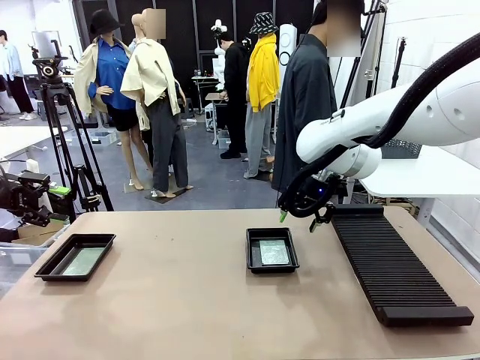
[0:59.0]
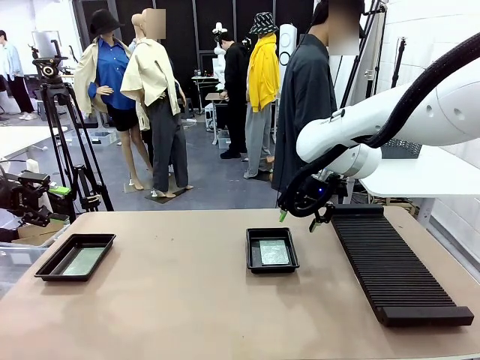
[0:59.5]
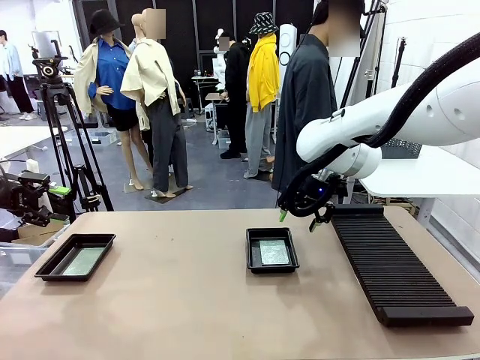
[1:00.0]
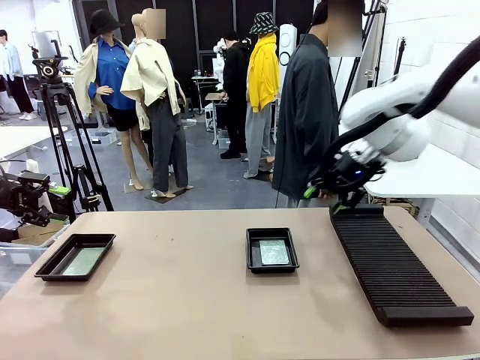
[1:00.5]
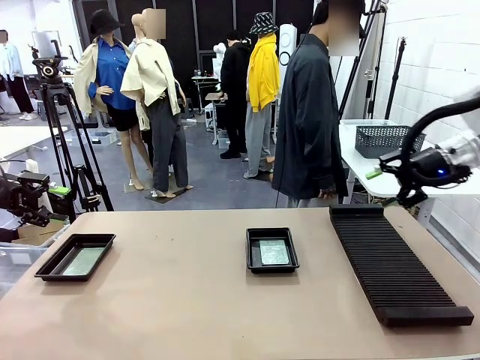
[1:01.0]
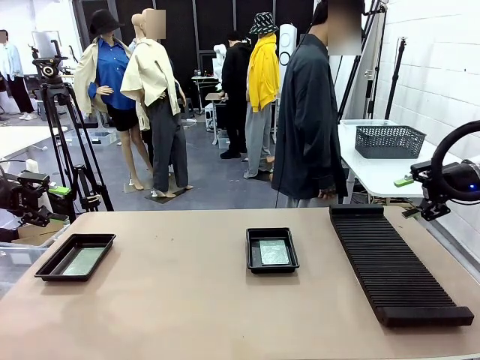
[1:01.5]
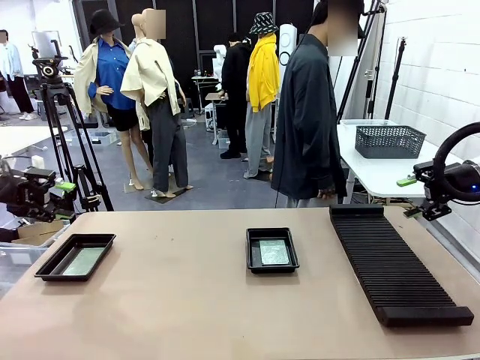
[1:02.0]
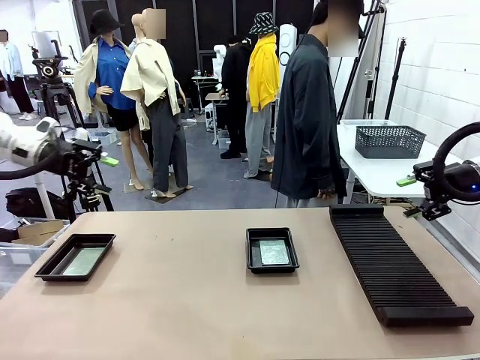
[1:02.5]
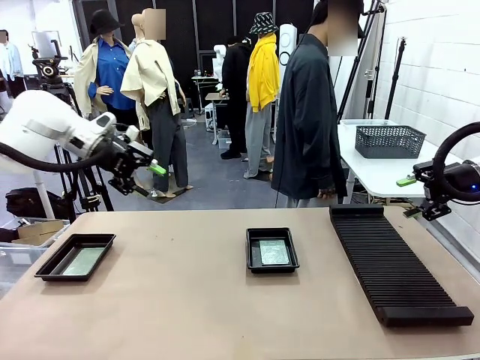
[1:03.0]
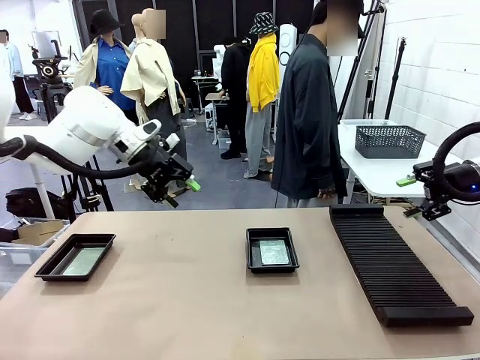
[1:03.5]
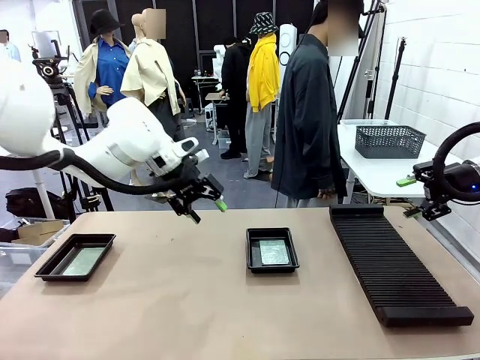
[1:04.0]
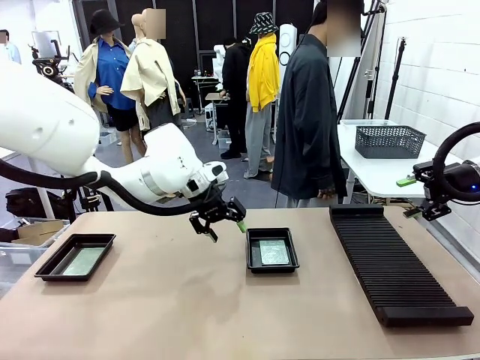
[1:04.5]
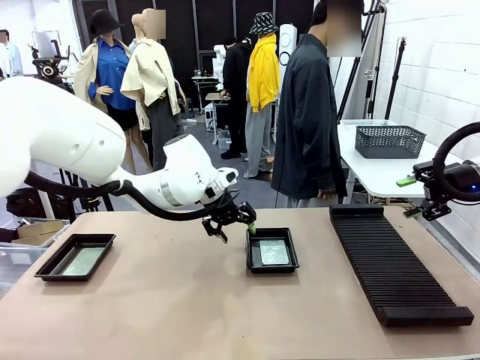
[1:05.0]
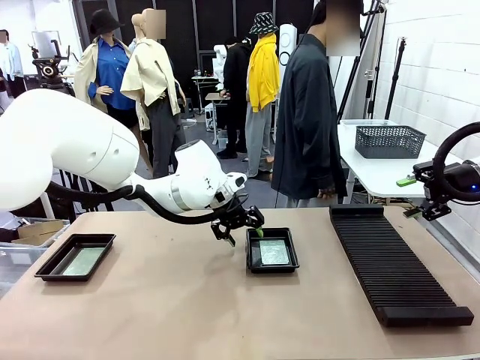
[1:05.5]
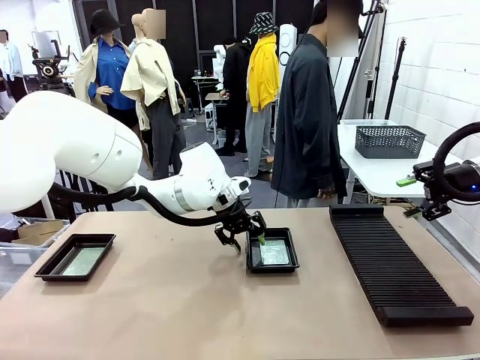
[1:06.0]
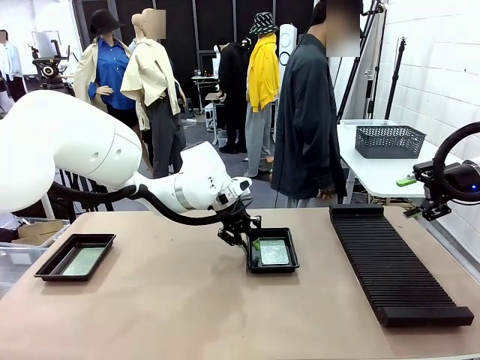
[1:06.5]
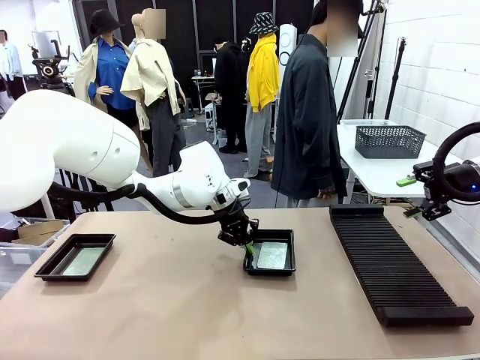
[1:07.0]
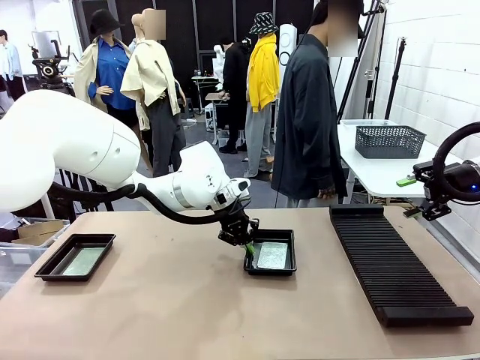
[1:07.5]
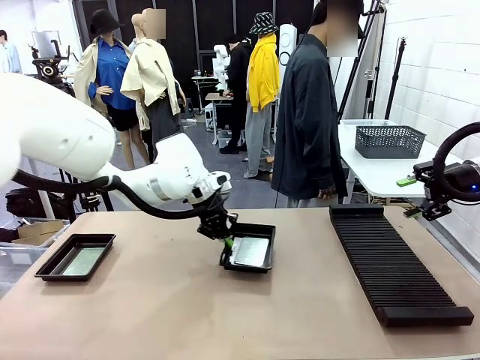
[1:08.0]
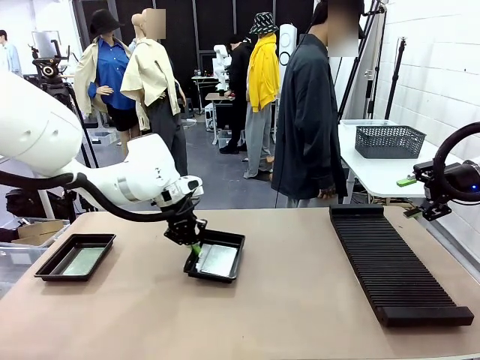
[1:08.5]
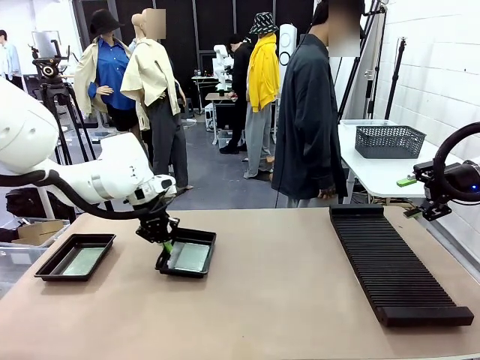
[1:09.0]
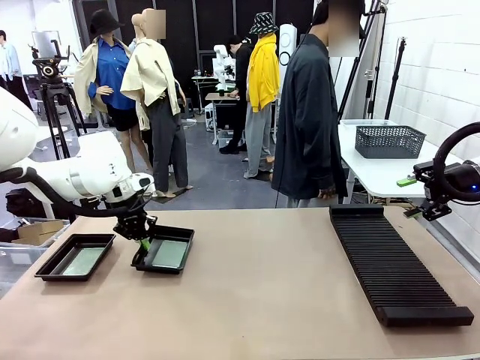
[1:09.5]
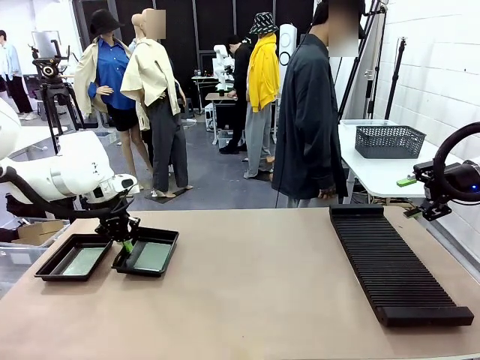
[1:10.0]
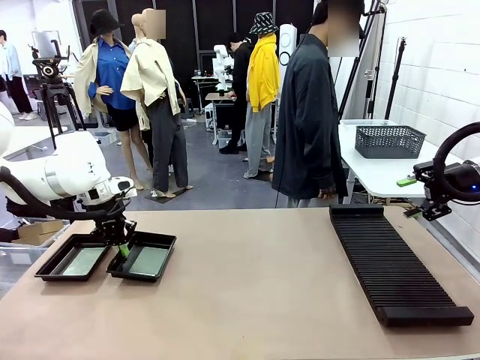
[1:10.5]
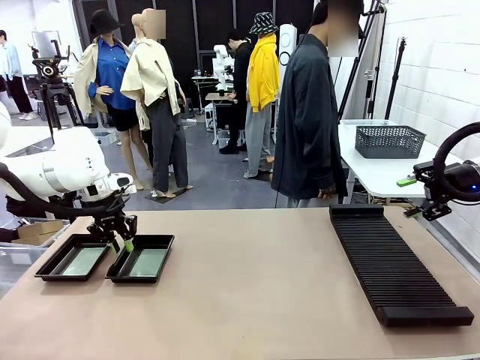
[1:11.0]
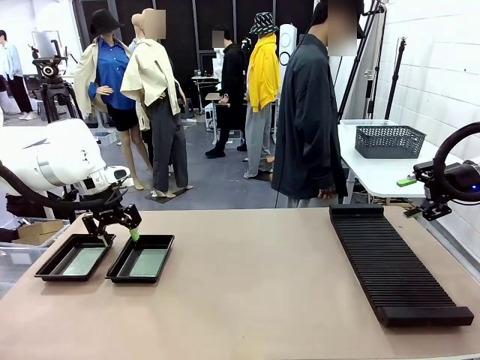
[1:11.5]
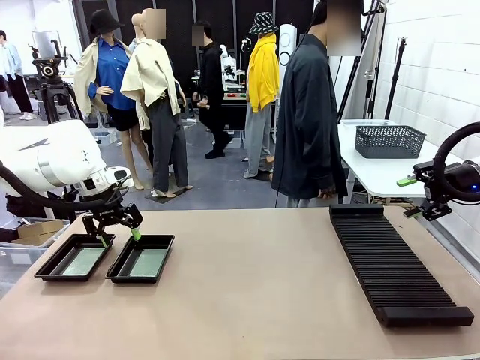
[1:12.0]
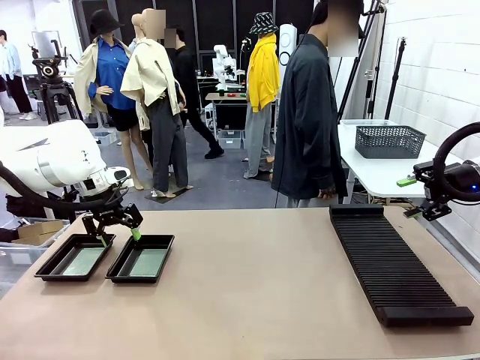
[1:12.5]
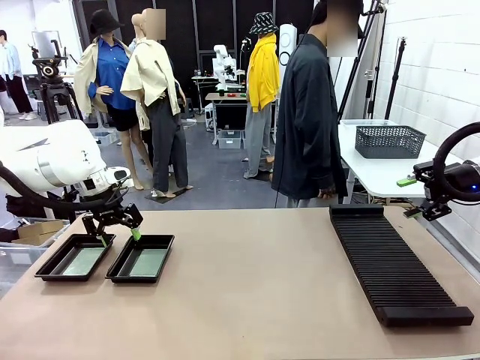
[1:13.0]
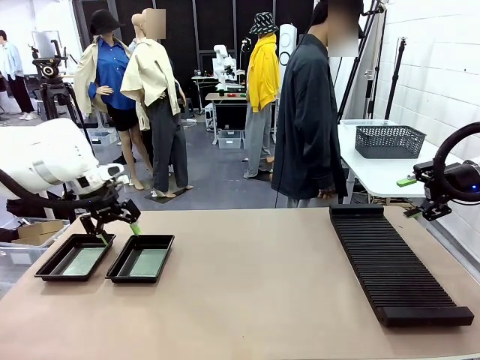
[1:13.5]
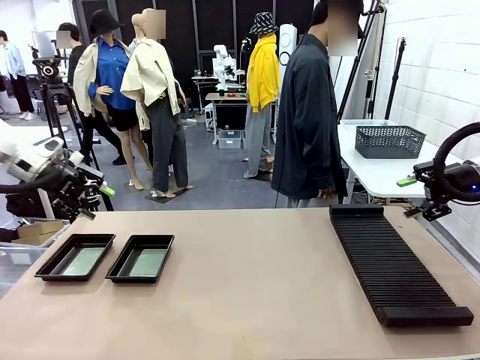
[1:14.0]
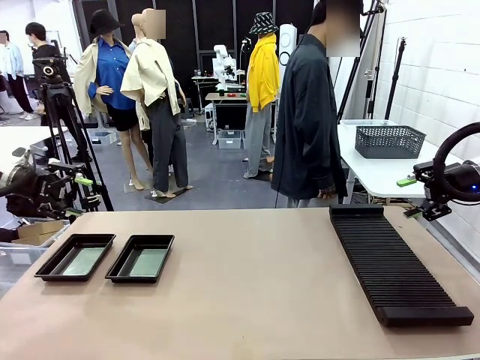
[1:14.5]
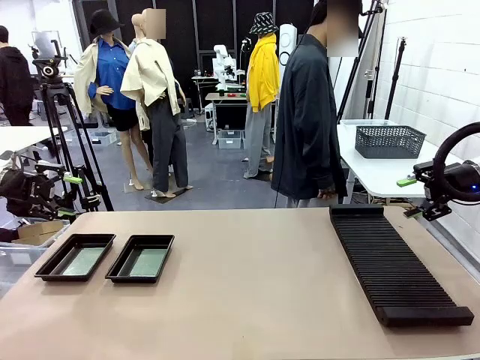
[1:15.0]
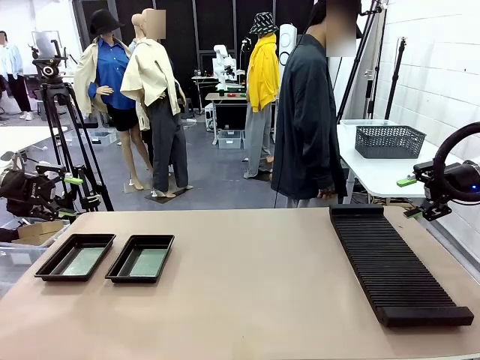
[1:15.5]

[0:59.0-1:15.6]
Task: Inspect and transfer BCBs to ESD trays.
Robot: Pick up the ESD tray and place it on the left side of the table.

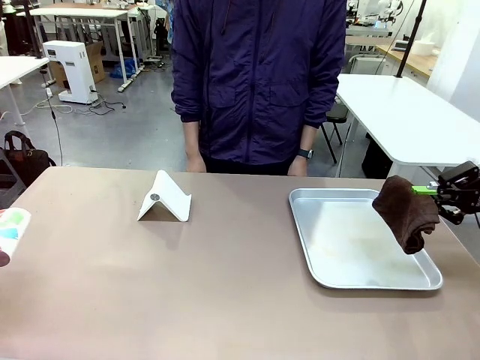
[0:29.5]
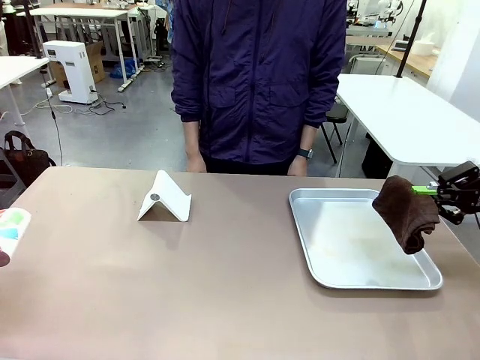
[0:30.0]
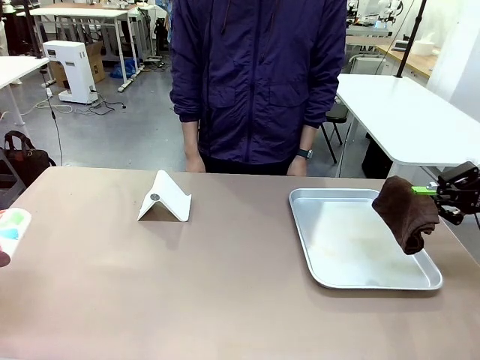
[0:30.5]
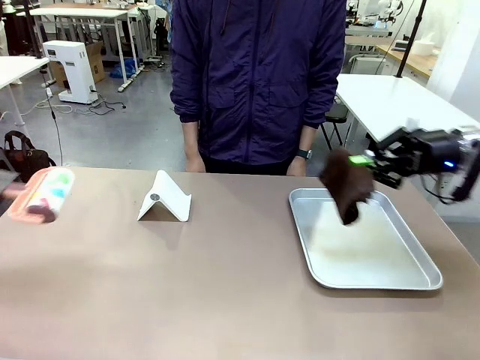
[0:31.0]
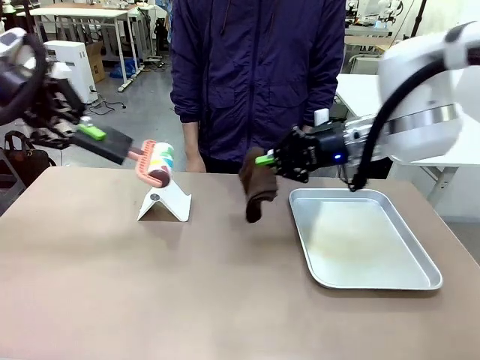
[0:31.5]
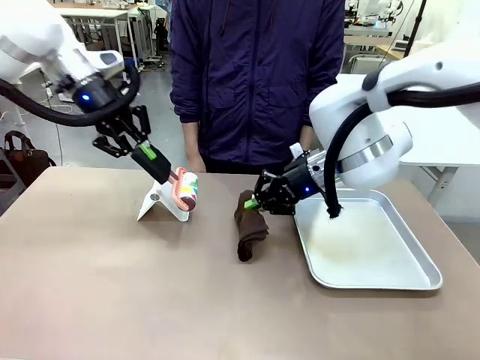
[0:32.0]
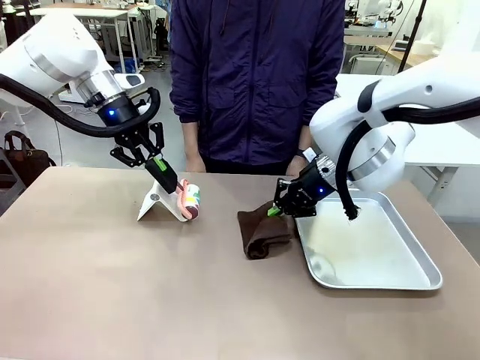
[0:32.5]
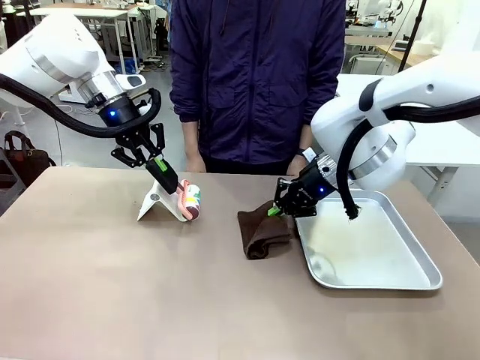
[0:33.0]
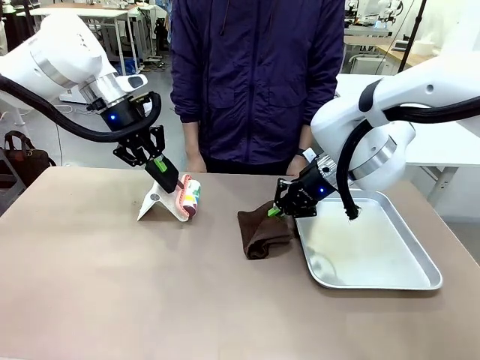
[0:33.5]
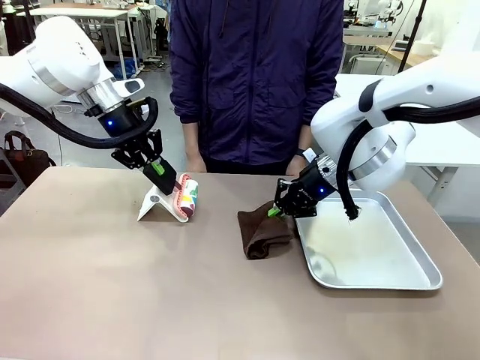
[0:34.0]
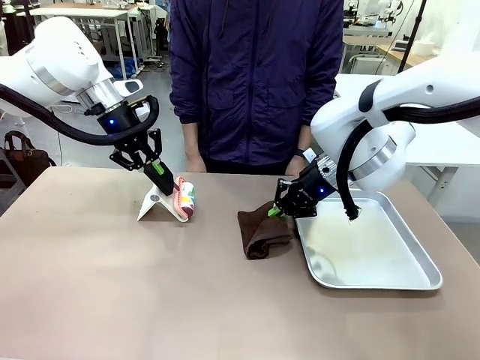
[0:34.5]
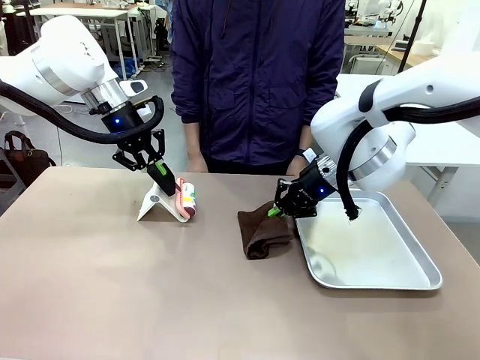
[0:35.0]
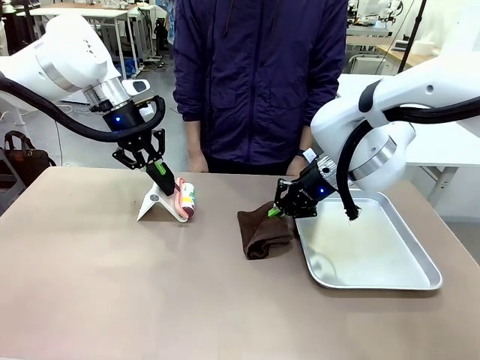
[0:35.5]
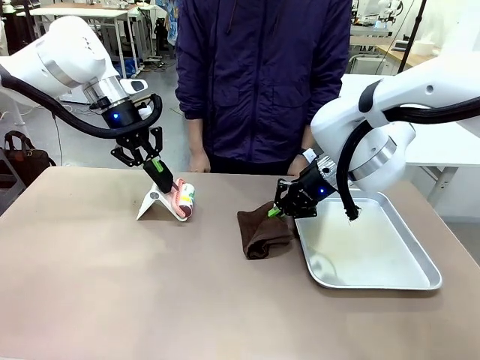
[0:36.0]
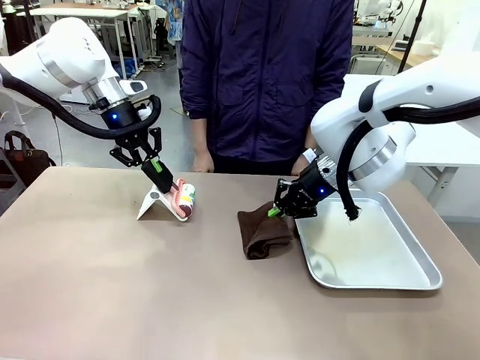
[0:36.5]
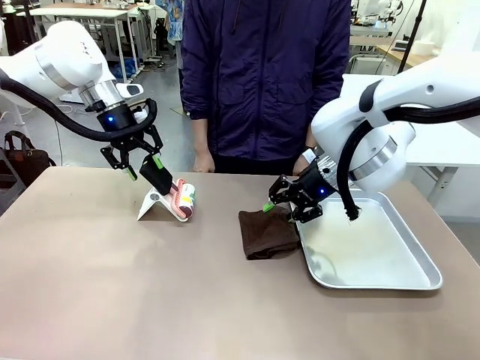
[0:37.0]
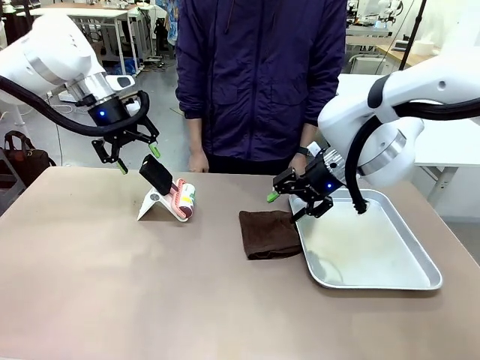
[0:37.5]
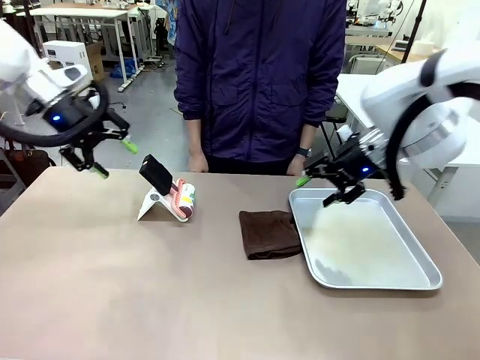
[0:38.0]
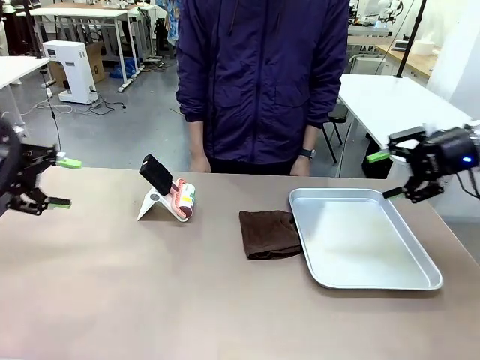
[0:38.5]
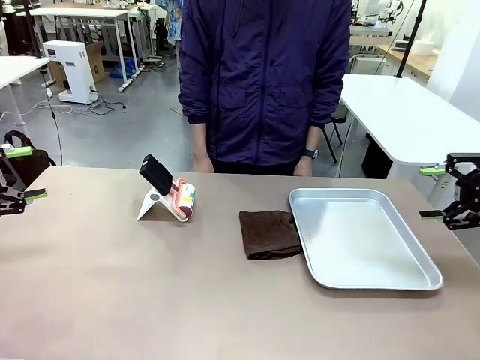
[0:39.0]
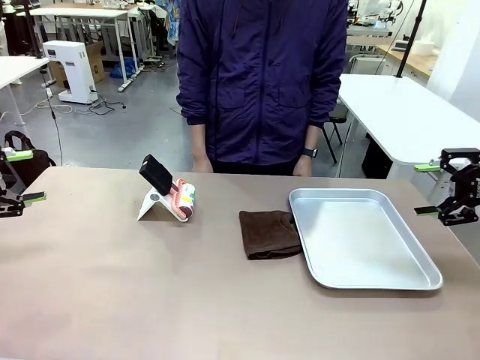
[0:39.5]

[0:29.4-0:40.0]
Task: Clean the surface of the table.
Robot: Return the Lint Roller and towel to their original positions.
